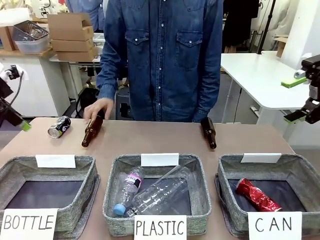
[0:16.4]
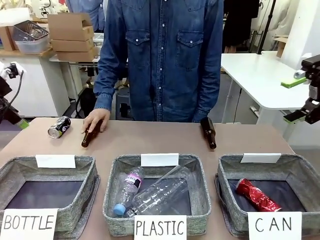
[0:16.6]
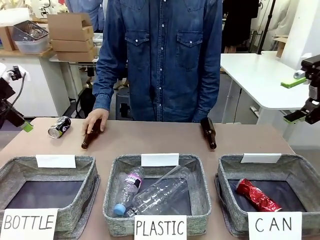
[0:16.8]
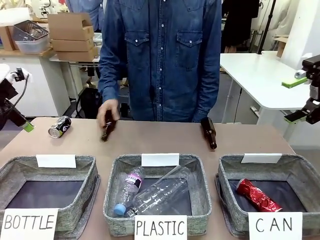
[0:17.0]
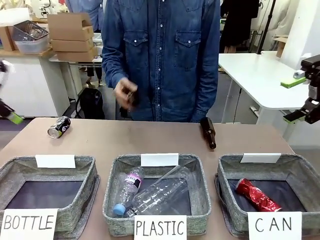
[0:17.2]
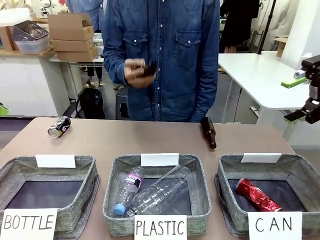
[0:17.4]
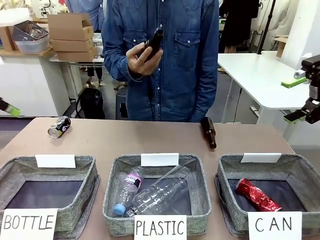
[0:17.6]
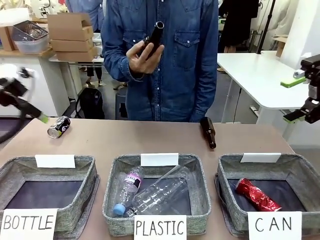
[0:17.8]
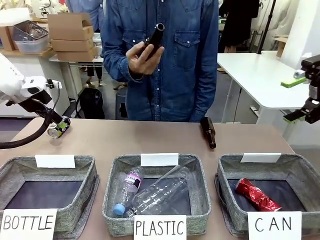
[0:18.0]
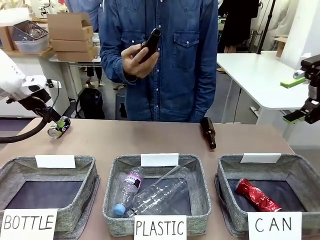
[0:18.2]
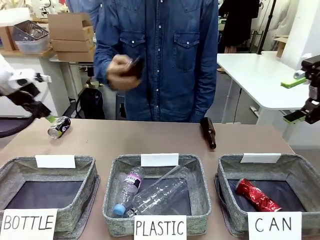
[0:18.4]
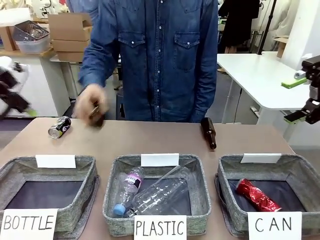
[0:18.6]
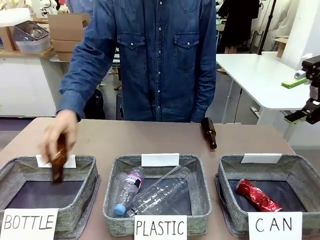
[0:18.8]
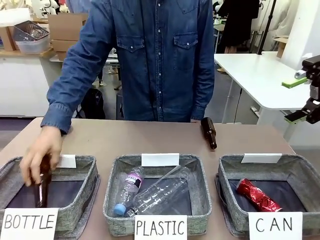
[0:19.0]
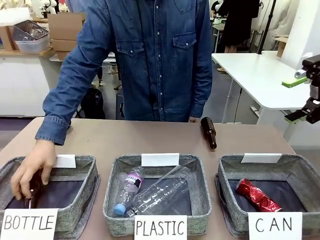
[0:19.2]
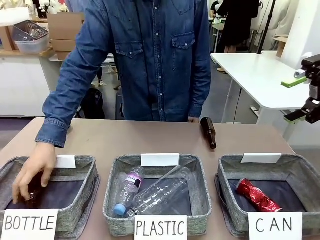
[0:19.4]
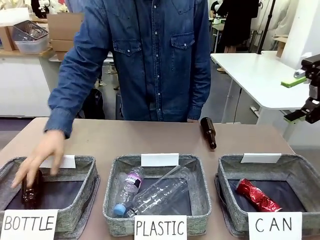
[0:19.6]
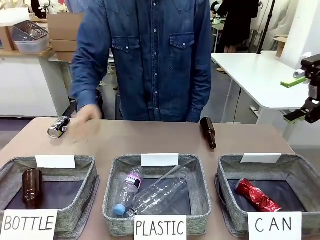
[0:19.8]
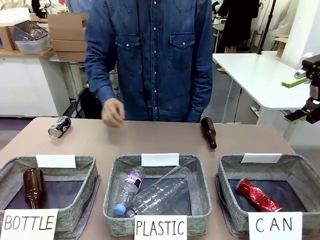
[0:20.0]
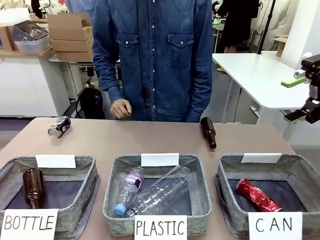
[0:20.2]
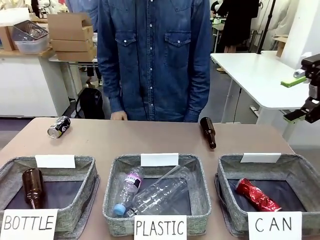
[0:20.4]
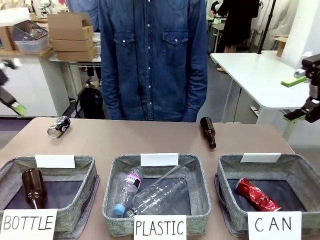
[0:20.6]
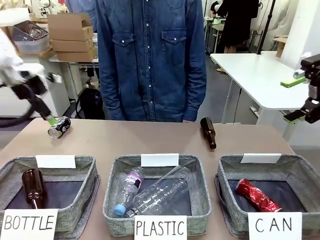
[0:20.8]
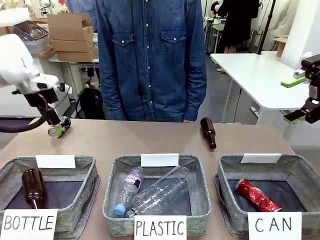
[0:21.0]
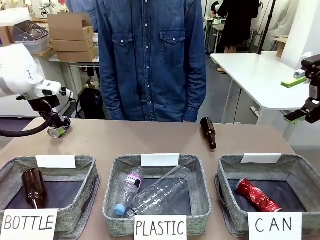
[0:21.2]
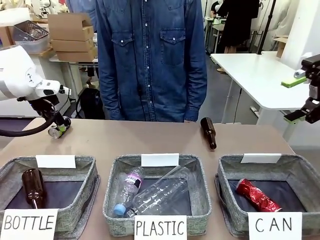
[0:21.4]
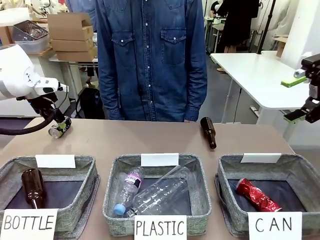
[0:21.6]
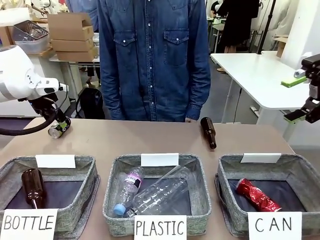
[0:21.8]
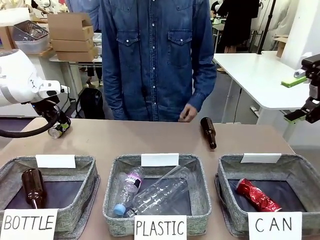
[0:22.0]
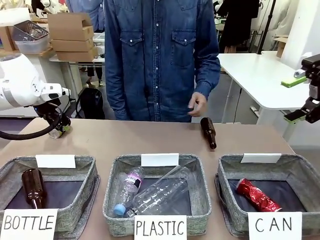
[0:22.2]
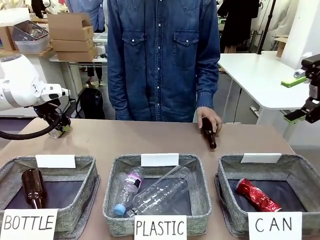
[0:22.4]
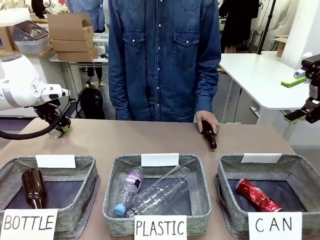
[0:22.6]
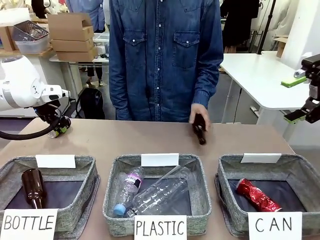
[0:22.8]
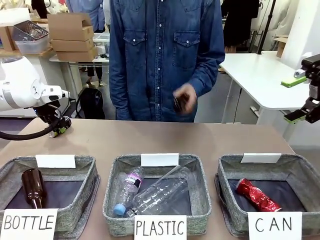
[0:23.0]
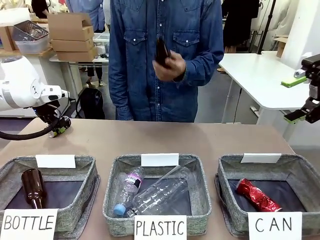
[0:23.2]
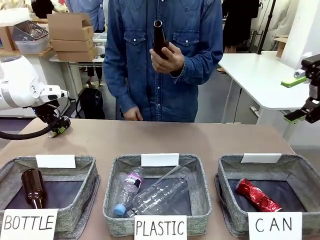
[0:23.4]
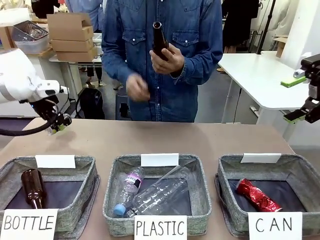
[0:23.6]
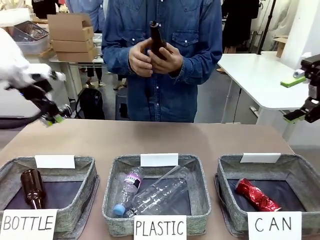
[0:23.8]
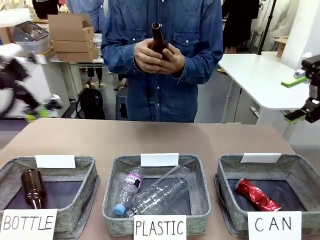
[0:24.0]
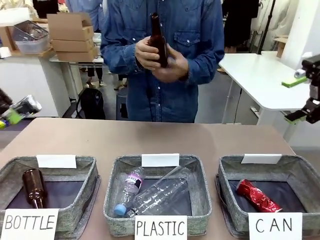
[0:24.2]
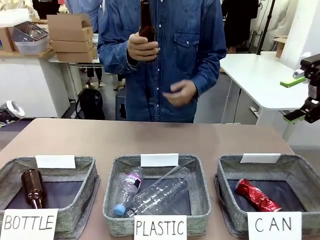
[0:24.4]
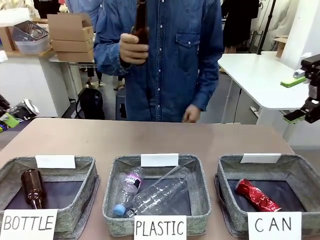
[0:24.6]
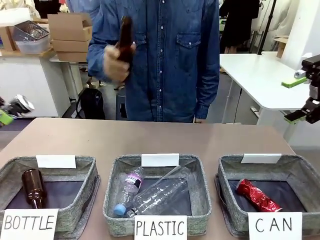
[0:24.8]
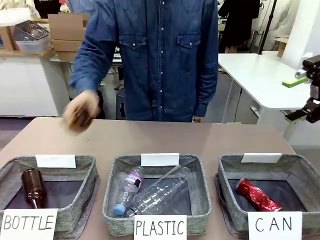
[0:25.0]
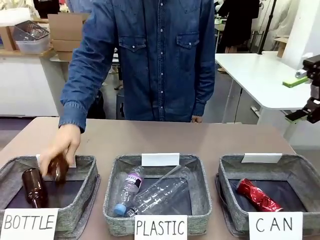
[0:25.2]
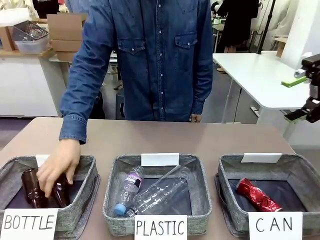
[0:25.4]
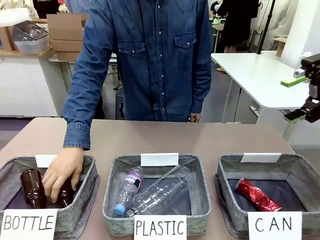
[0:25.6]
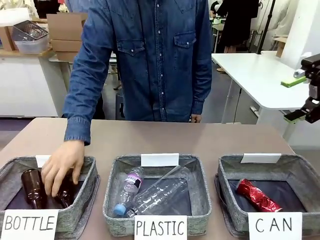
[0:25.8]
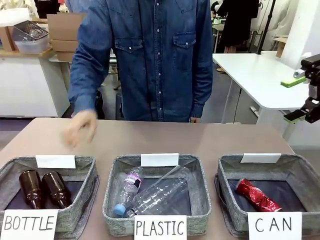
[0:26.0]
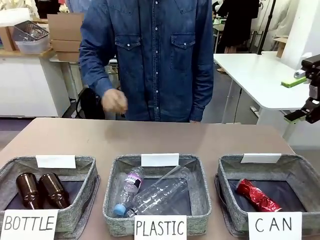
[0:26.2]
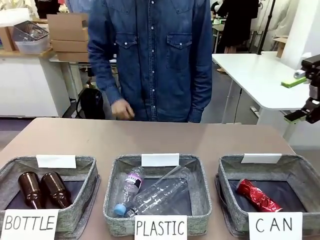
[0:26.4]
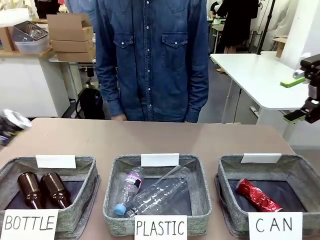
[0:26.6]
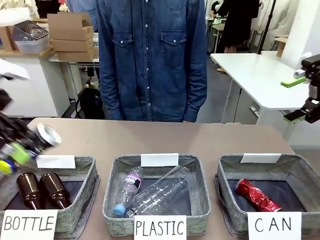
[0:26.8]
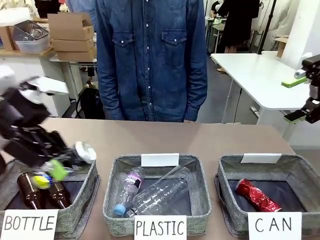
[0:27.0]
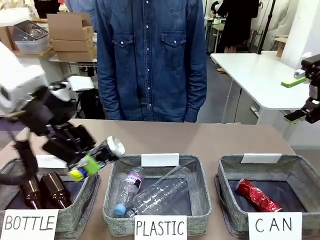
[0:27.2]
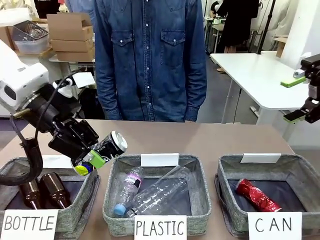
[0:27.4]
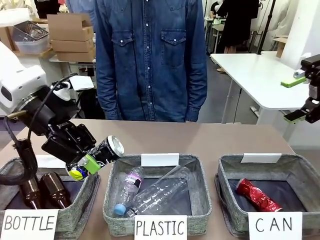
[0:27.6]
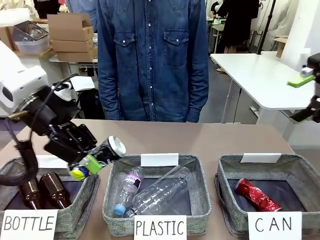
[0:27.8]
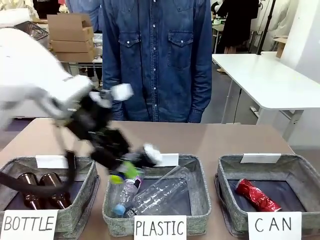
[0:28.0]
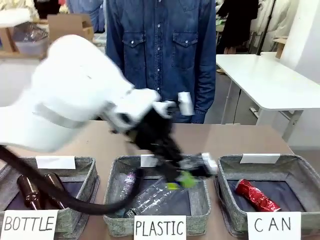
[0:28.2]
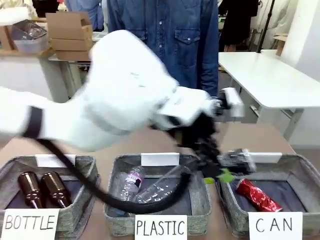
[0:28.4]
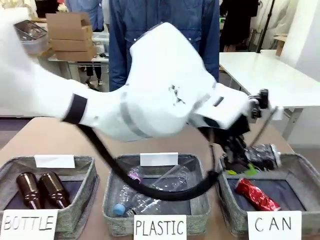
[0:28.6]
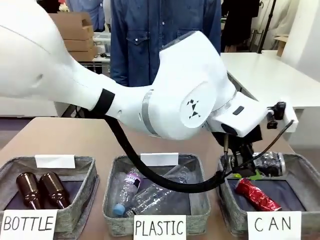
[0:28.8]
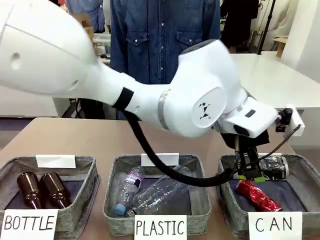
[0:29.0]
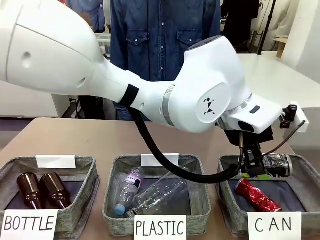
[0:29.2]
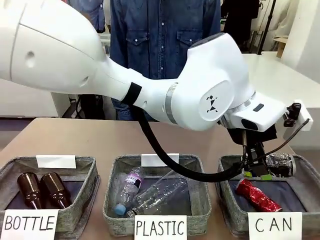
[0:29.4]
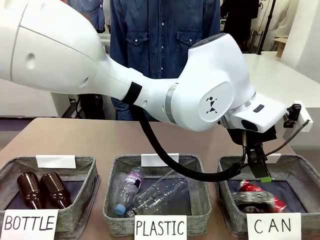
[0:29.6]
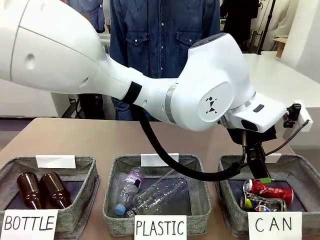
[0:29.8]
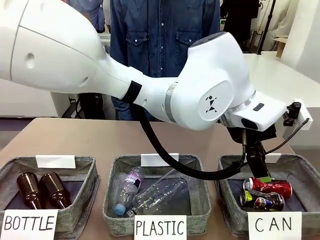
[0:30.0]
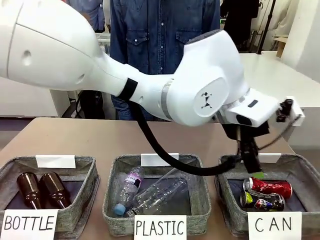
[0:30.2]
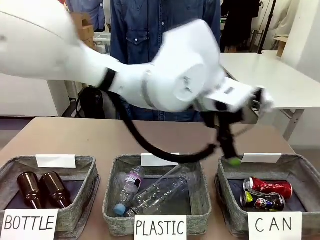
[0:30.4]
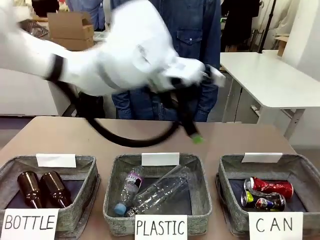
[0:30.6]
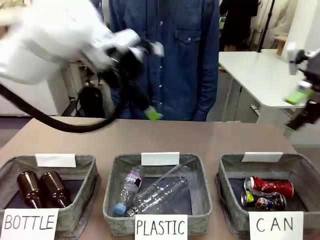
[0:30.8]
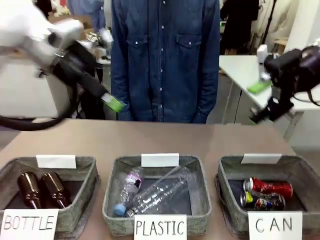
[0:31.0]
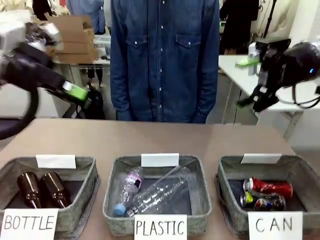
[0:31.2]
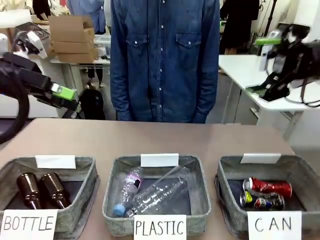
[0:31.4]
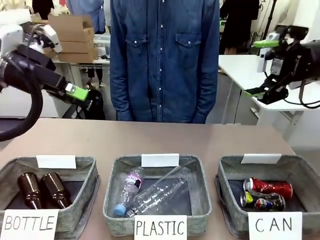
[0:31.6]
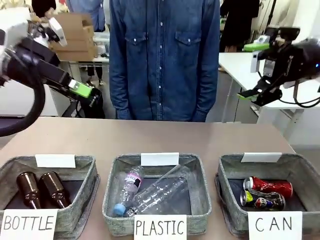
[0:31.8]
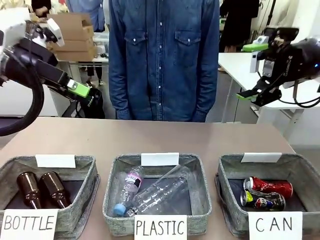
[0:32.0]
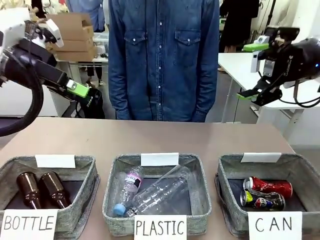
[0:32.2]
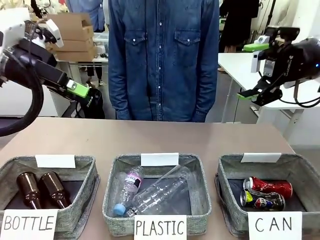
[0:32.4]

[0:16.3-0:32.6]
Task: Sort the can waste into the basket.
Robot: Pick up the can waste from the table and place it in the right Fabric basket.
